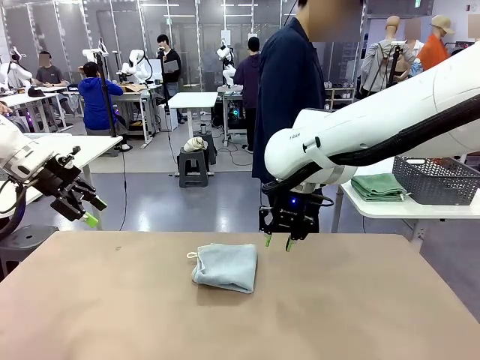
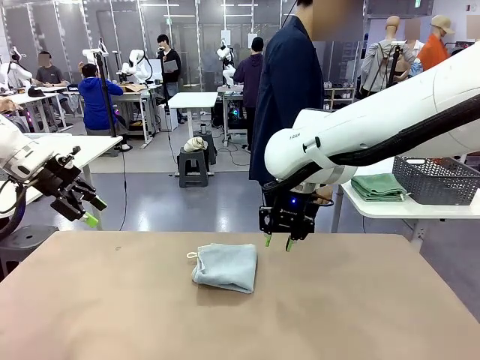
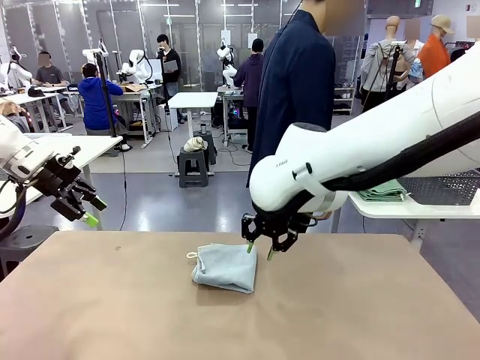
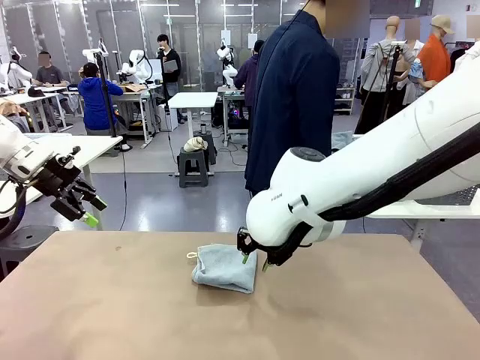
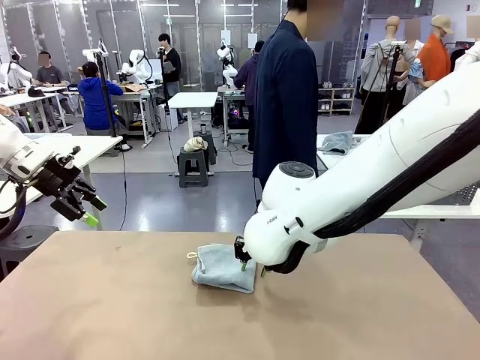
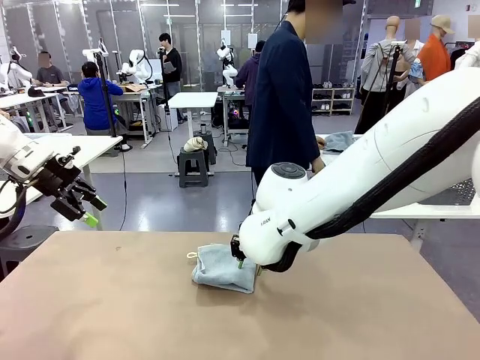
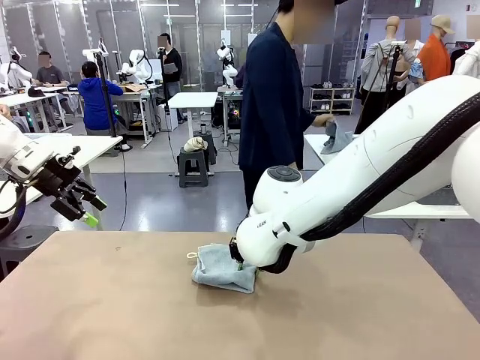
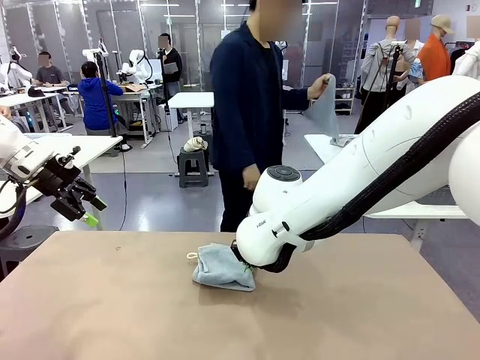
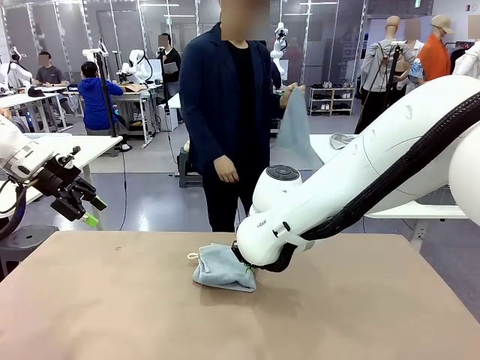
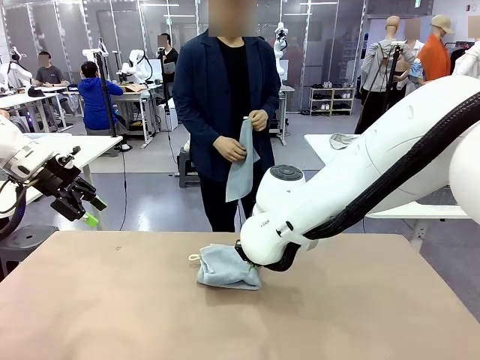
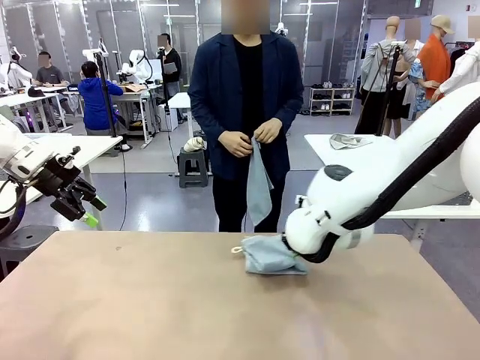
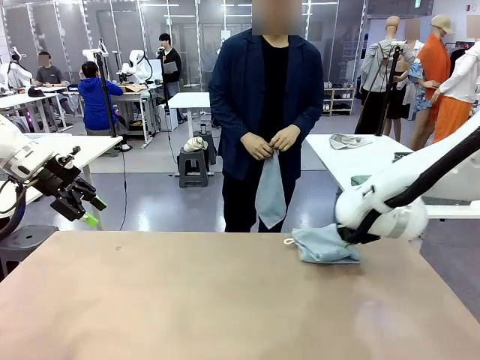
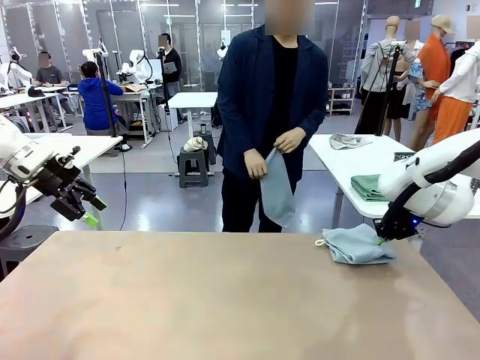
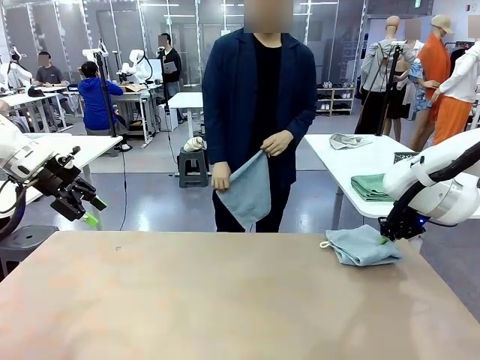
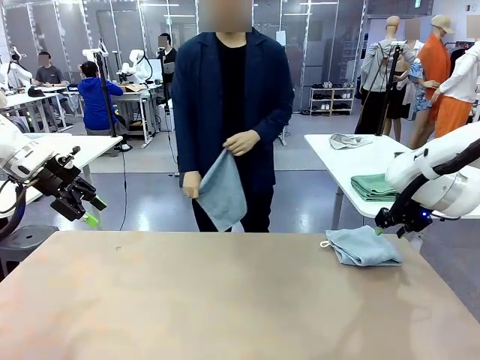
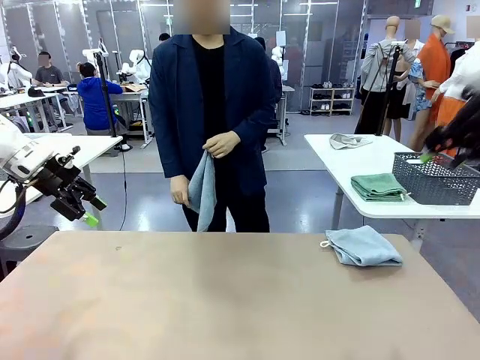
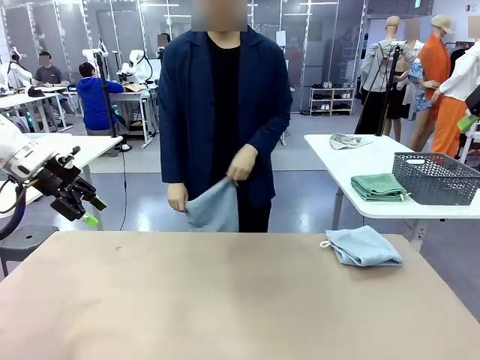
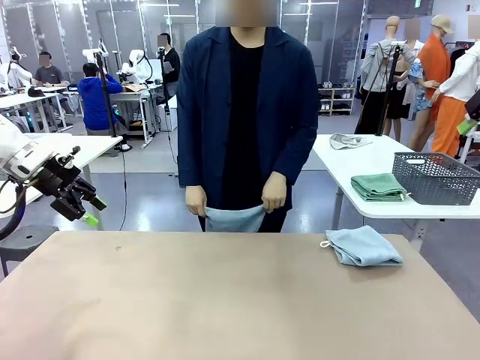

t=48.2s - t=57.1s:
Task: Fold the towels and place them in the basket.
Robot: Place the folded Towel with hook on the right side of the table.
Person: Pick up one towel from the left side of the human table and spread it out at the center of the robot table.

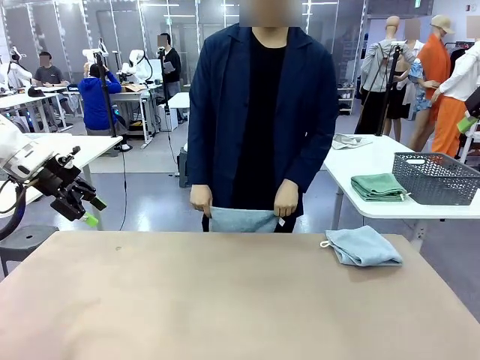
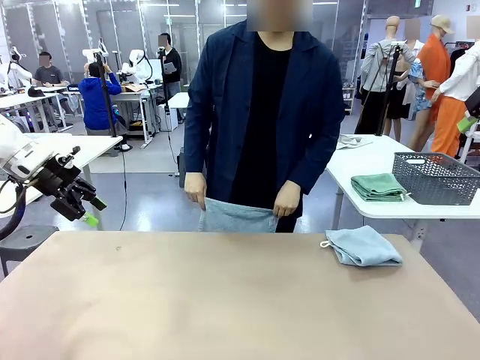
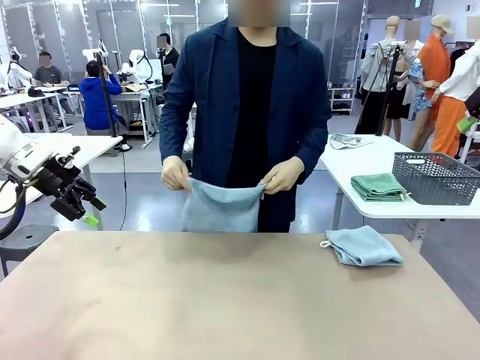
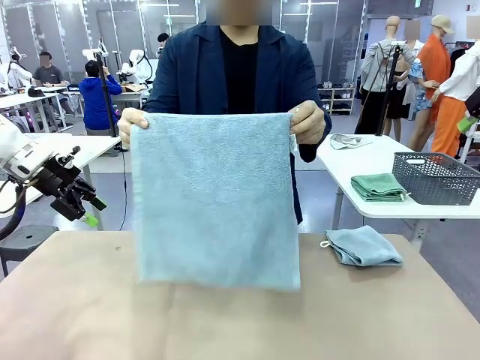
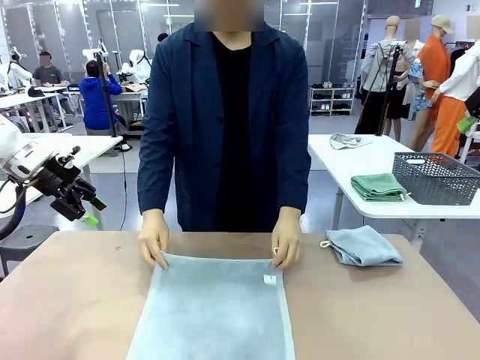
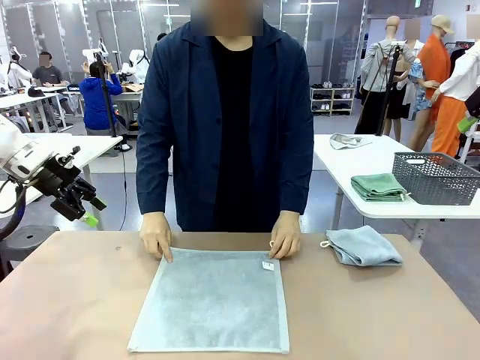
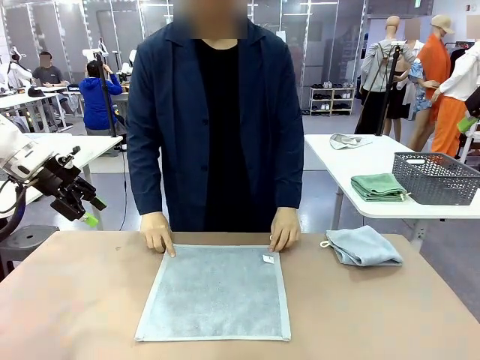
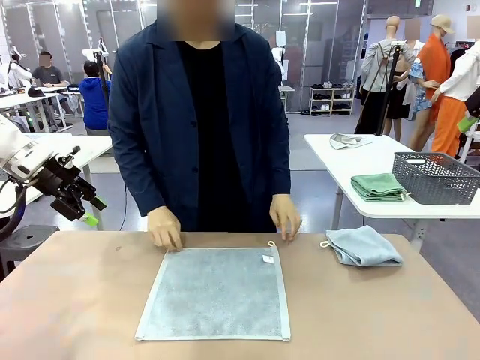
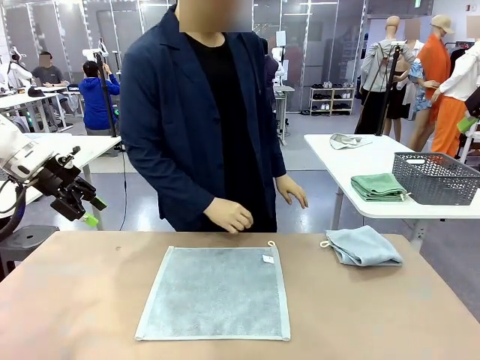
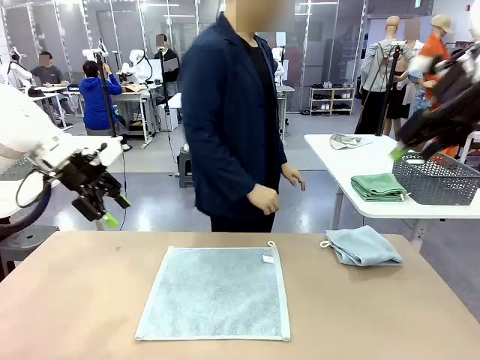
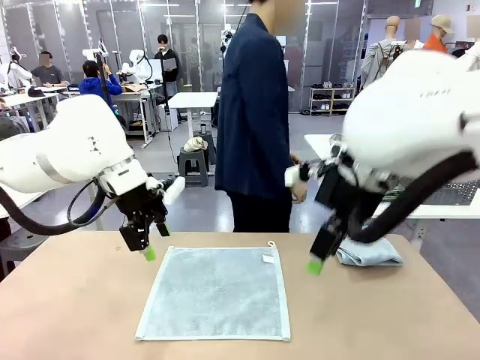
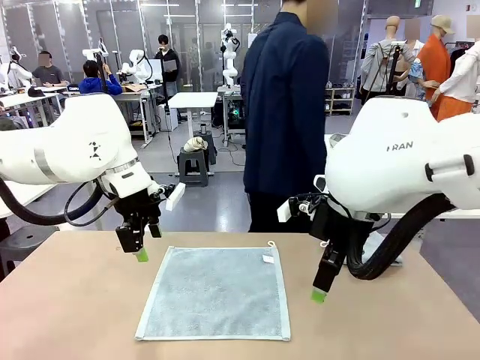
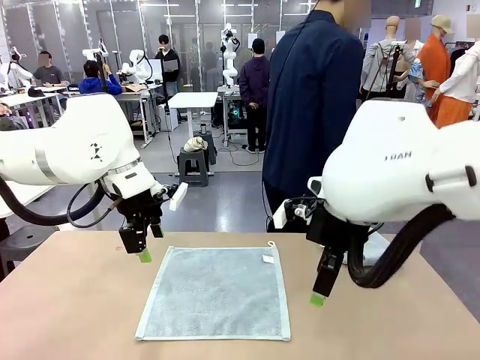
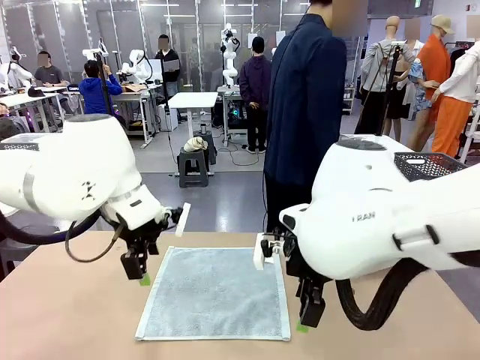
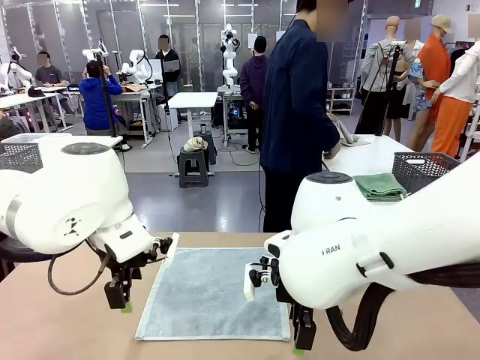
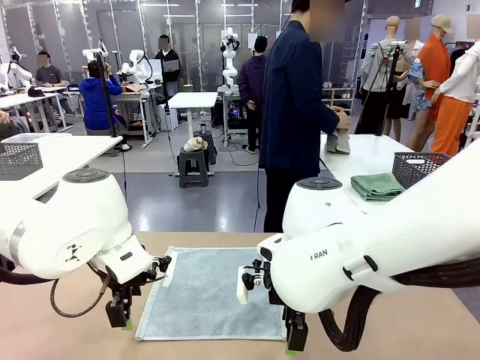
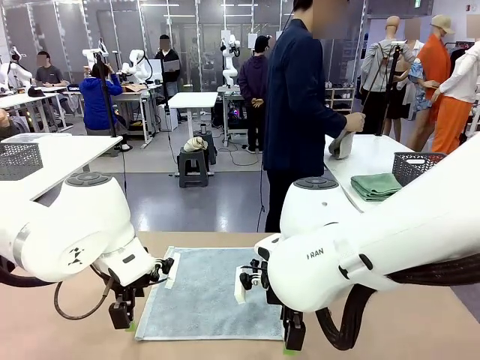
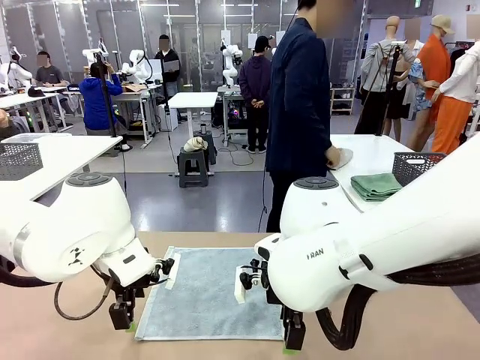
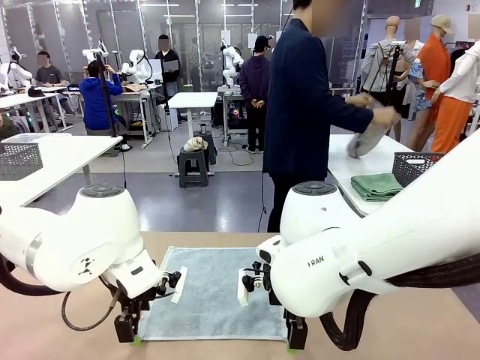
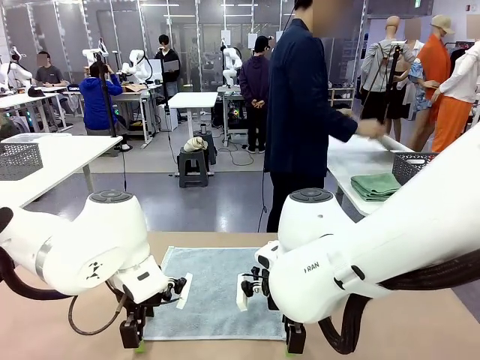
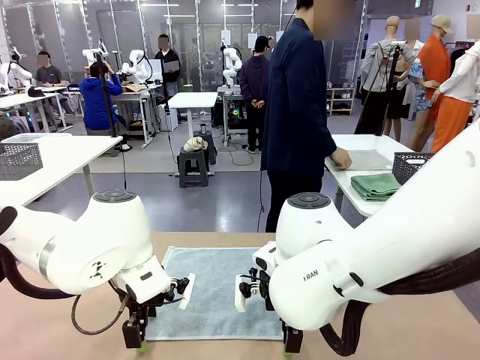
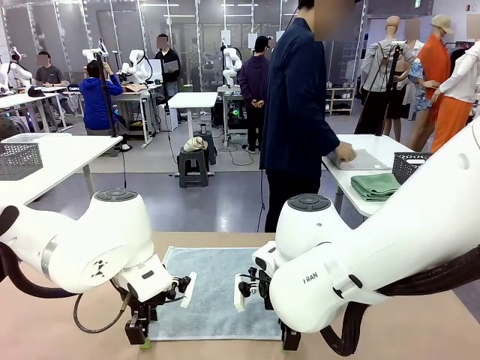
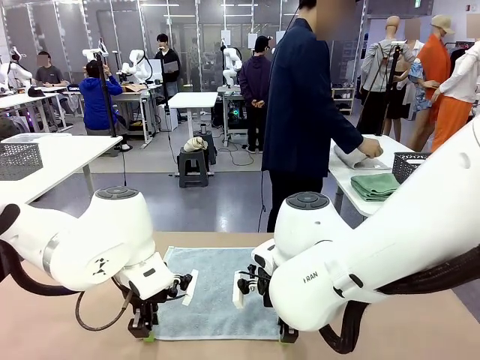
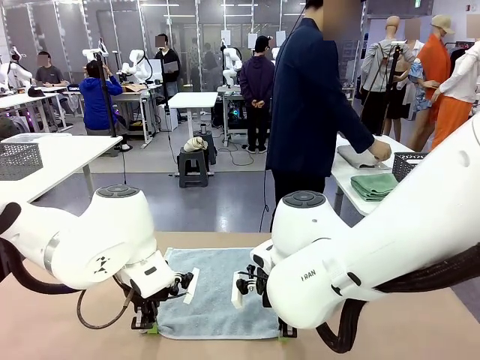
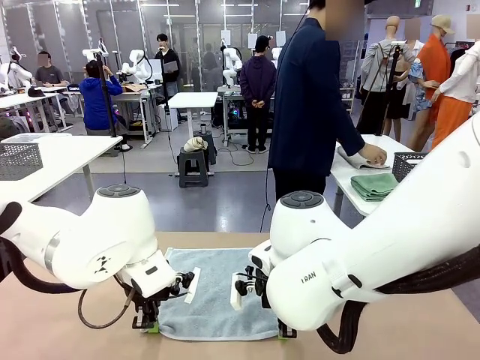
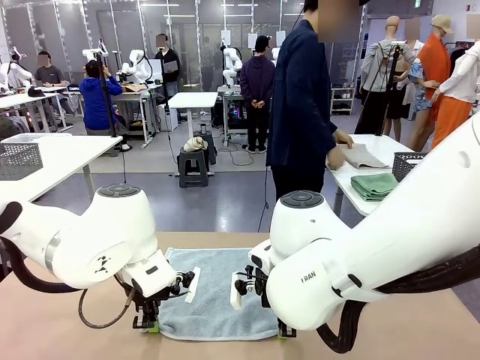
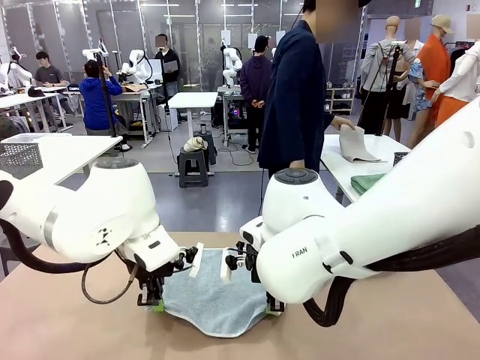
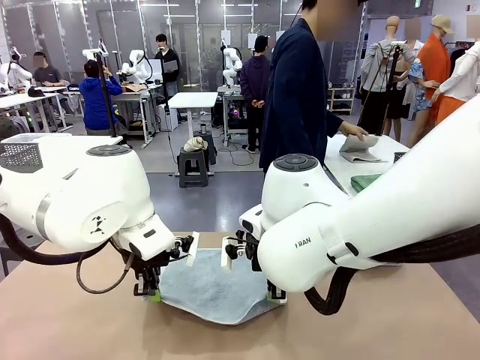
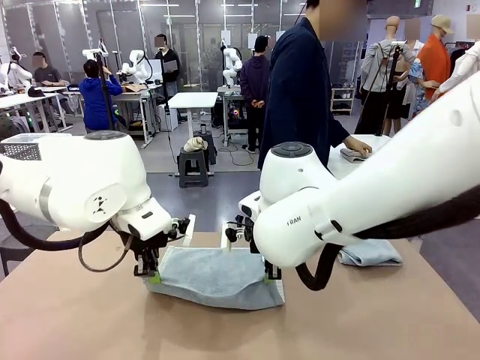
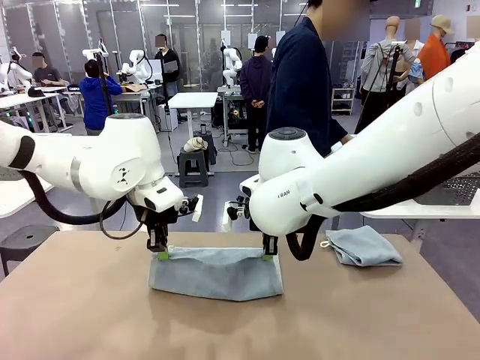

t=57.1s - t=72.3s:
Robot: When a person lays out a Towel with hook on the table, fold it in half twice.
Person: Pick up one towel from the left side of the human table, fold it in half twice, and stack it on the right side of the table.
